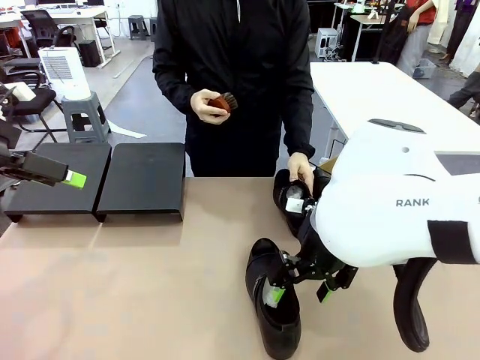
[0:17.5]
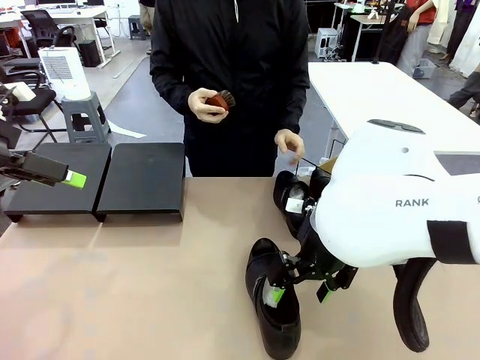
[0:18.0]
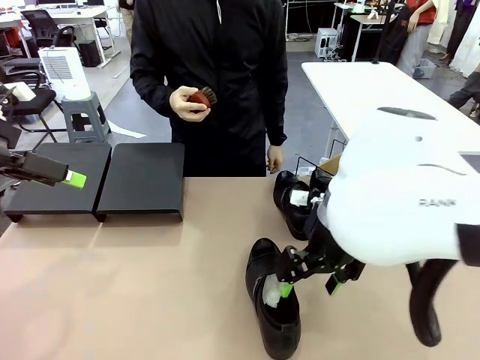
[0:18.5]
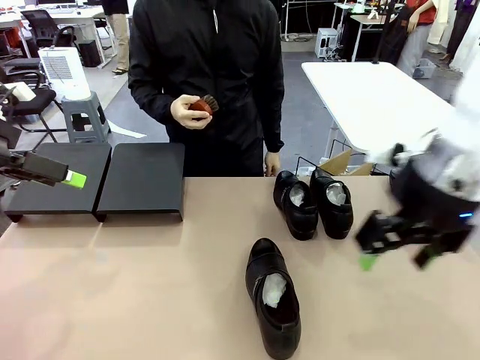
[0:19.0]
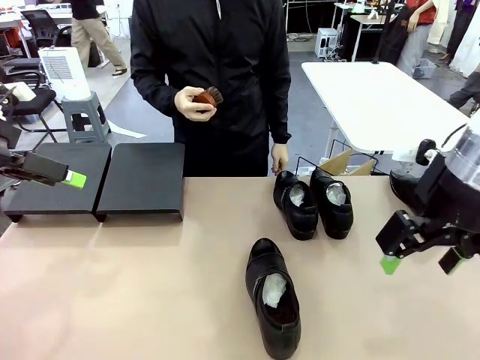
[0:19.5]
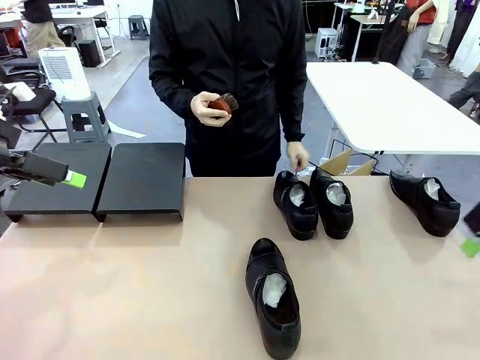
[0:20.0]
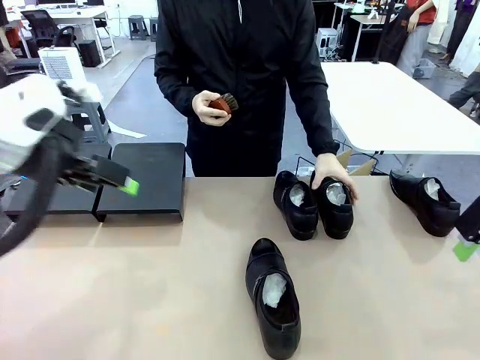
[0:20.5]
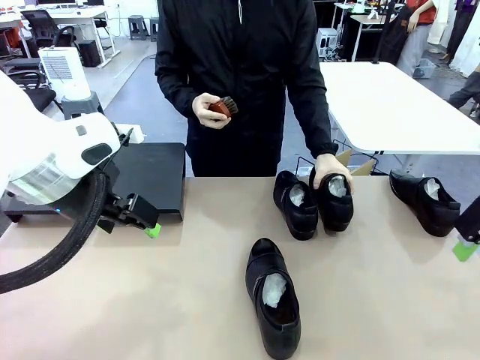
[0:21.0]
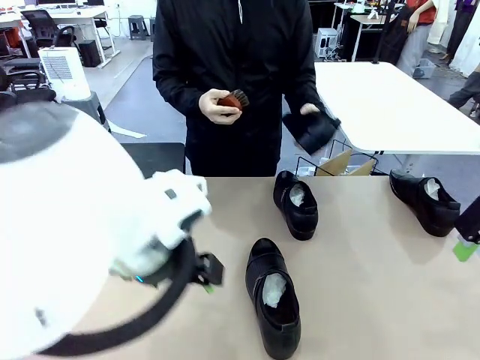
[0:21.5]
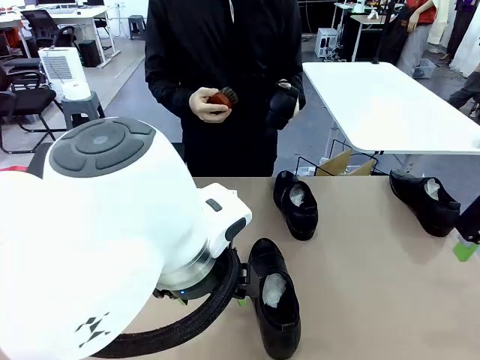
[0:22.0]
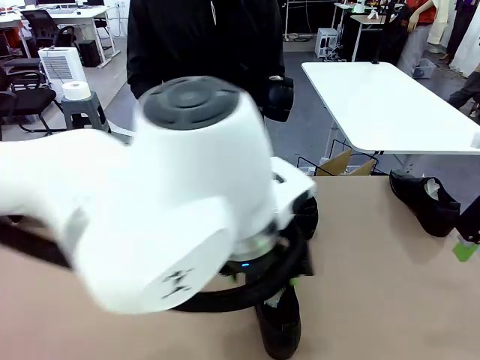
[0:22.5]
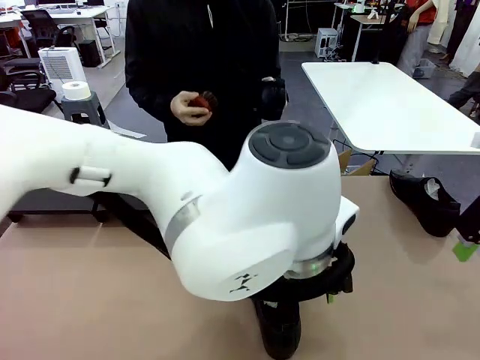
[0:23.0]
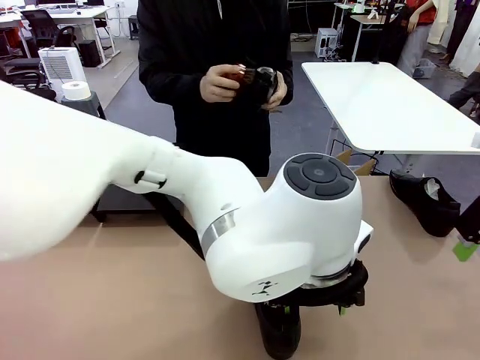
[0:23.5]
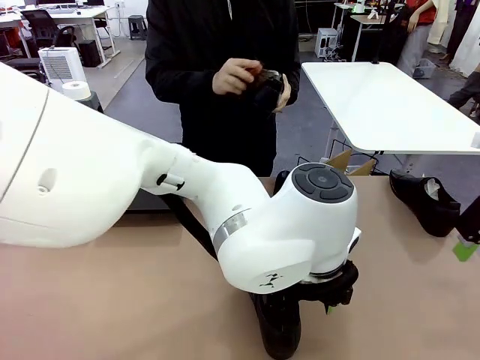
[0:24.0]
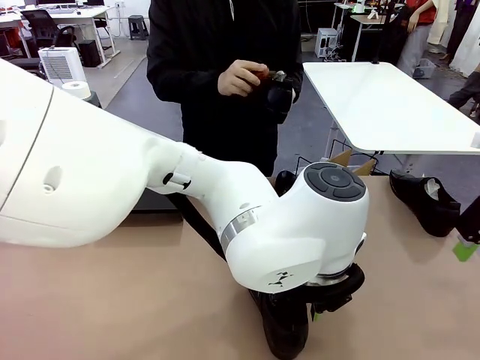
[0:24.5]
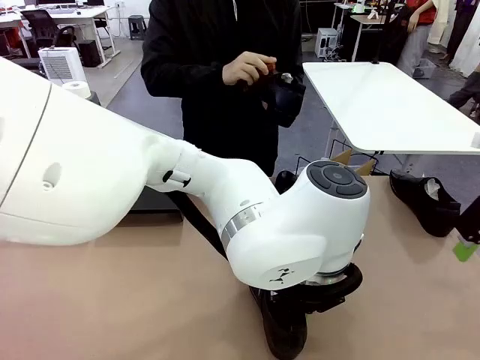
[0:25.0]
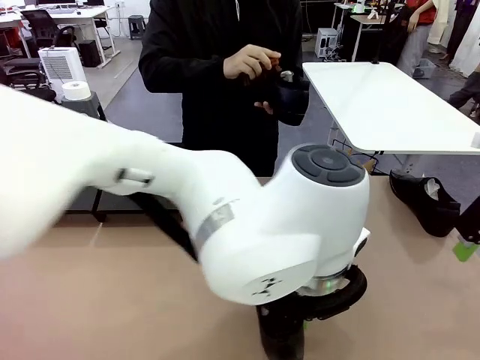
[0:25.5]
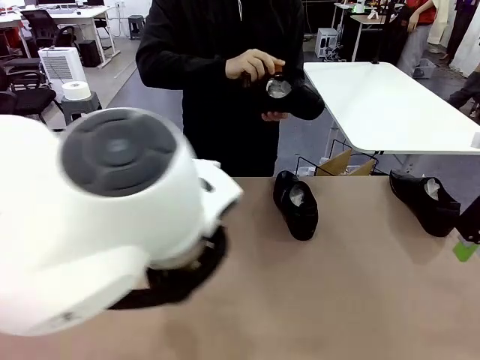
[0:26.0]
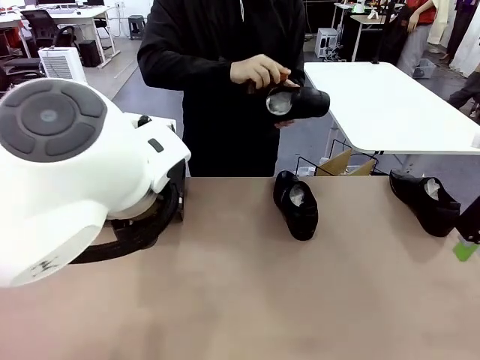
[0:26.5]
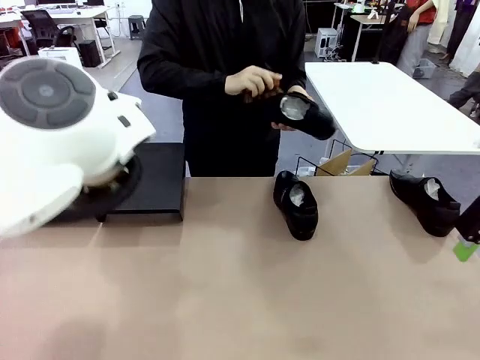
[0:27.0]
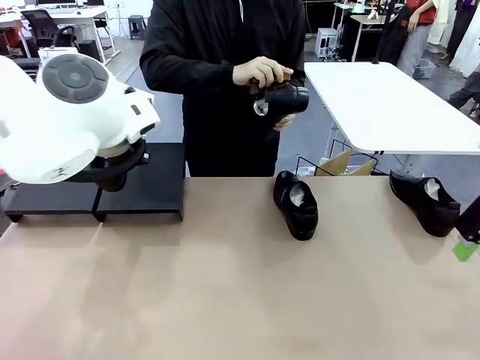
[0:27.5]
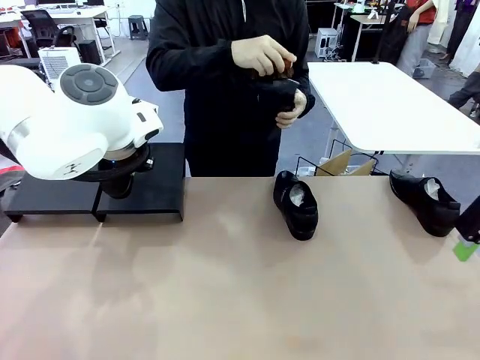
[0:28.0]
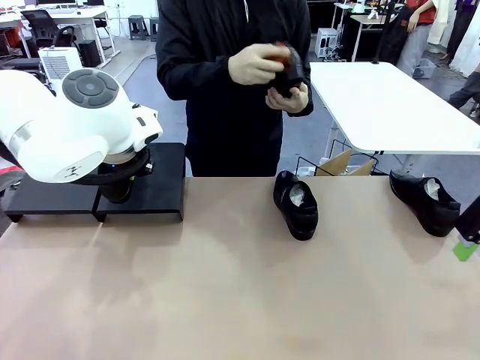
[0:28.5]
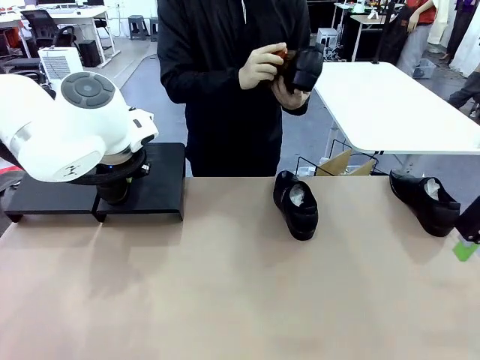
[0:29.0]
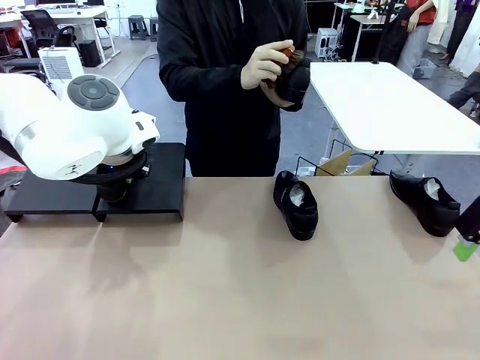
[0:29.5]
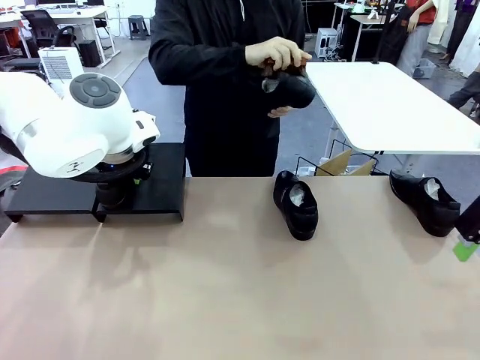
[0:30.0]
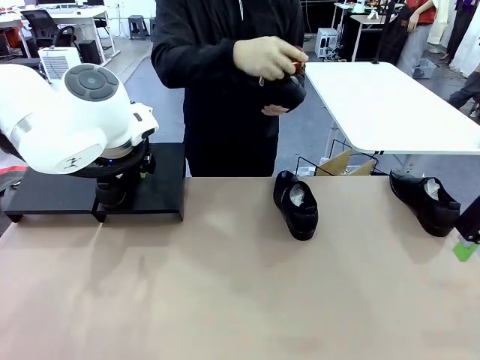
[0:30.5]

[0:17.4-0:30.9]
Task: Organize the shoes by placing them on the stand.
Robot: Place the Shoe from the middle of the table onto the Shoes Stand.
Person: Pick one Shoe on Robot's table. Clean the Shoe with the Shoe Brush.

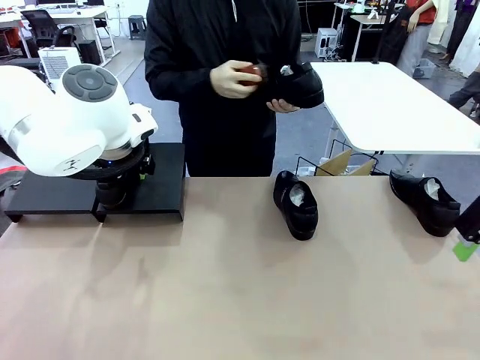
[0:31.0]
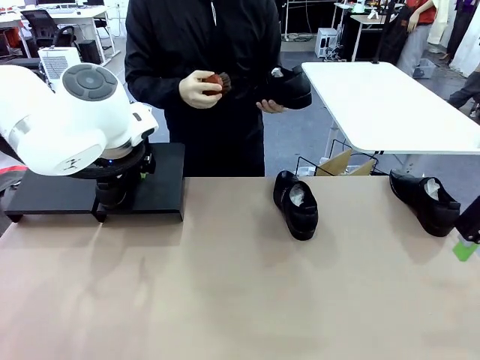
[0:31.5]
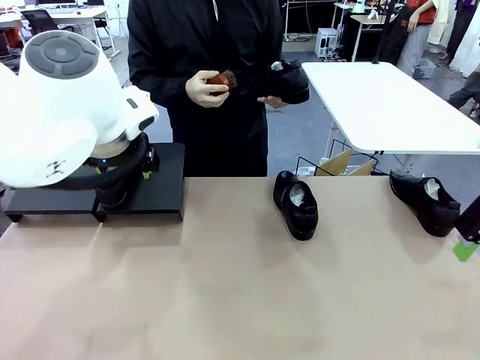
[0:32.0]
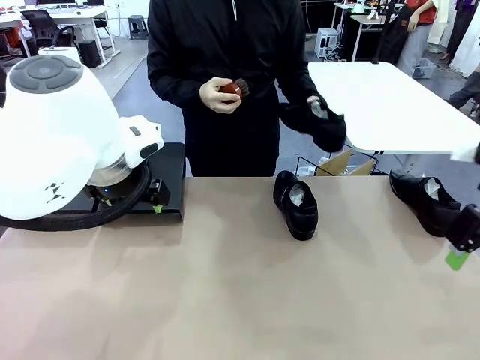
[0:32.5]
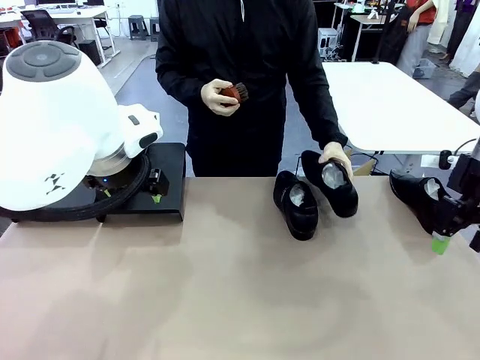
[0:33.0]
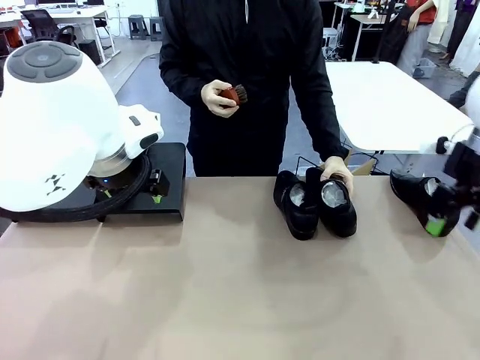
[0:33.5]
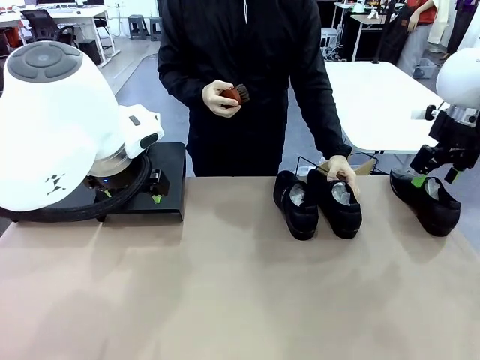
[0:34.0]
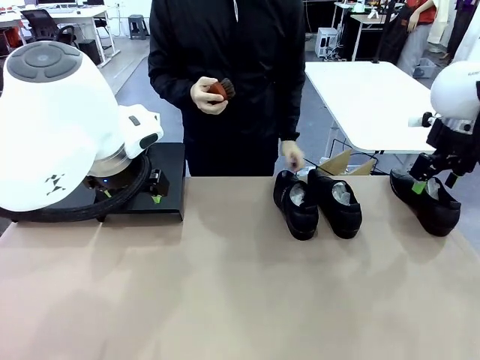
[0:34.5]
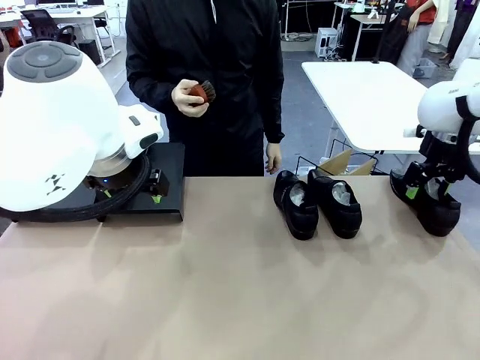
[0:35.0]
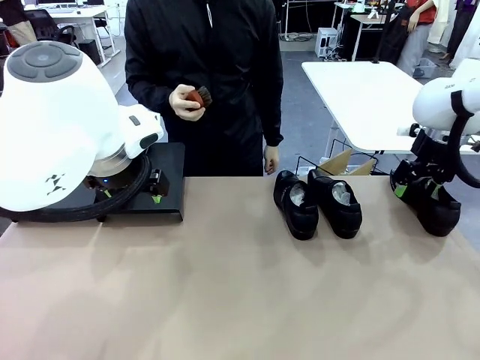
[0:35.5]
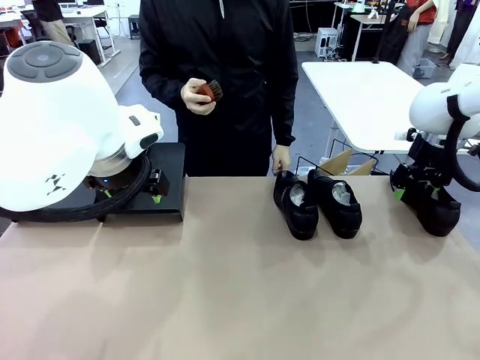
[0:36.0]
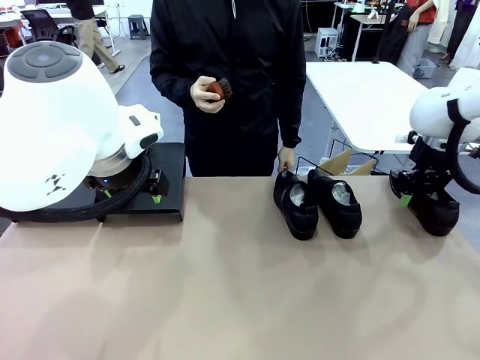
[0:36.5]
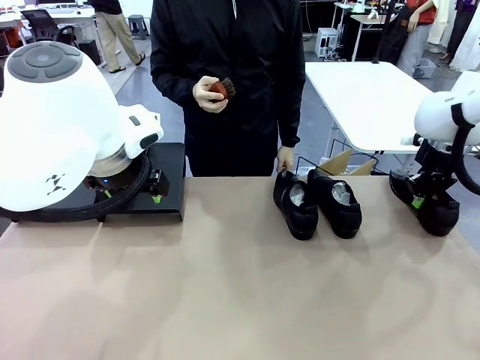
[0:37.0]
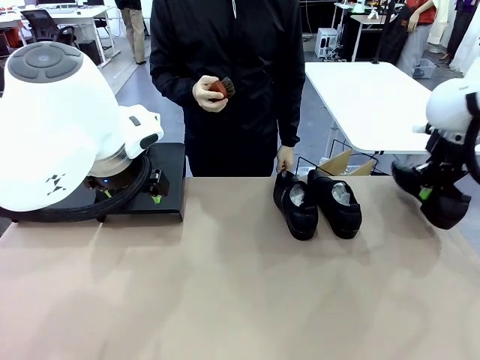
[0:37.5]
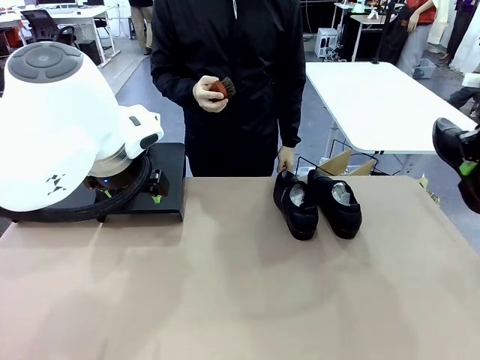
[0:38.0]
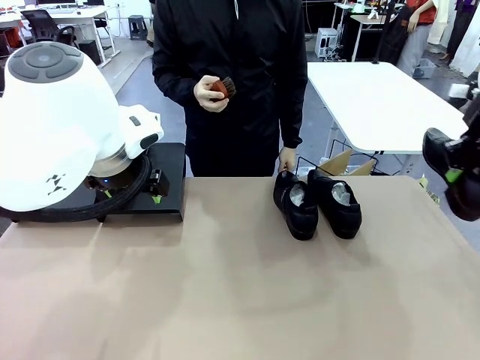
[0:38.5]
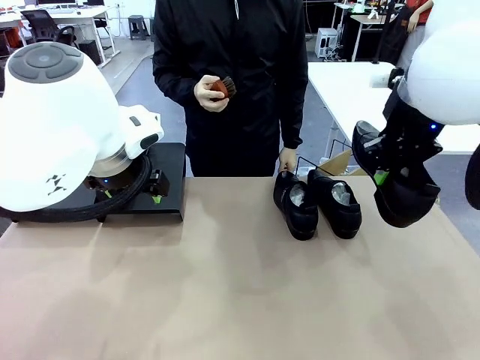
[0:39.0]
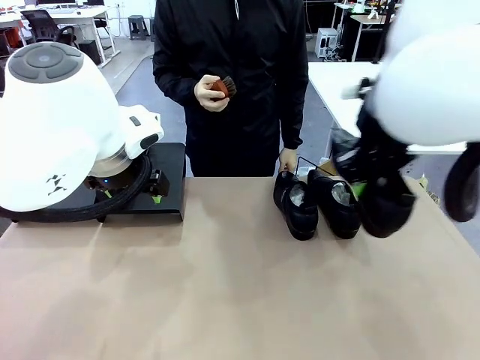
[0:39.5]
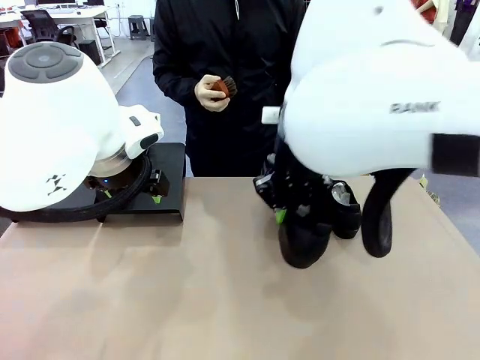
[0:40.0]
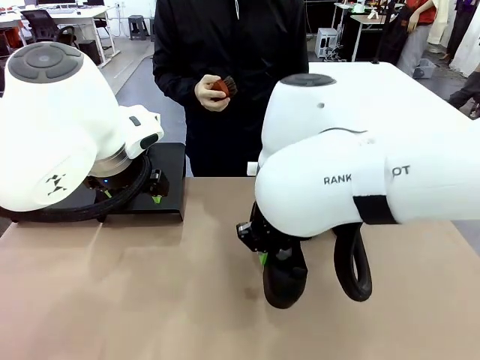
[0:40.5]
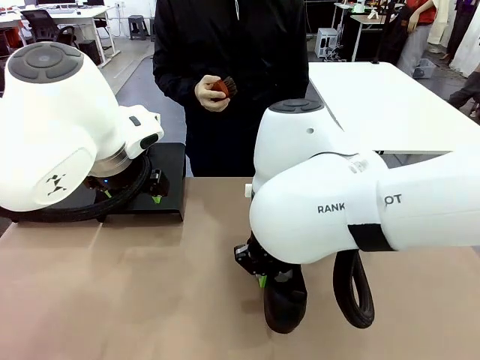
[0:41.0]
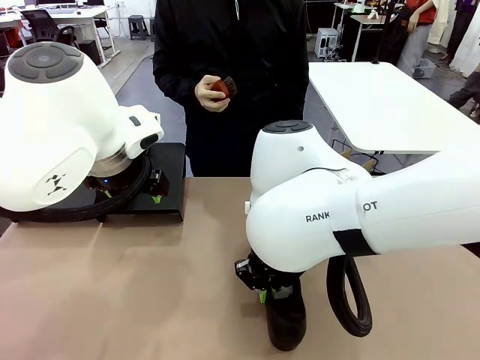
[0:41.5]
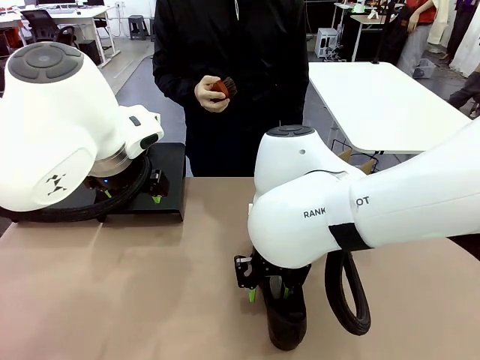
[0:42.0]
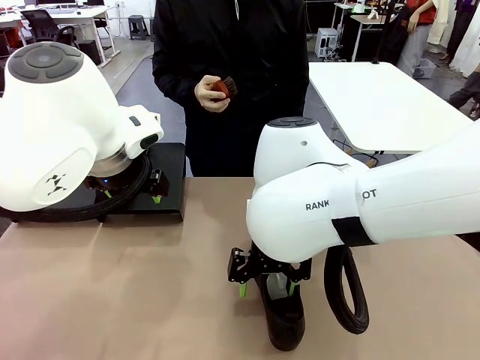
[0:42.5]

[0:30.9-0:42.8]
Robot: Pick up one Shoe and place it in the middle of the table.
